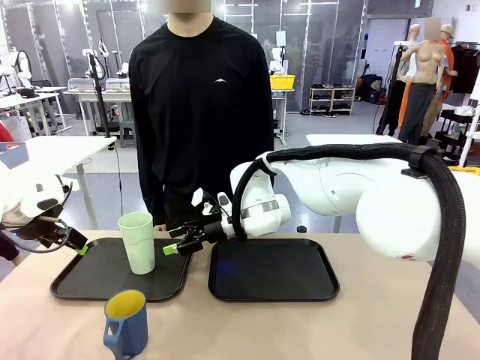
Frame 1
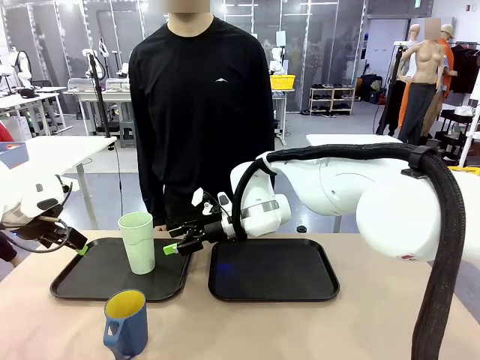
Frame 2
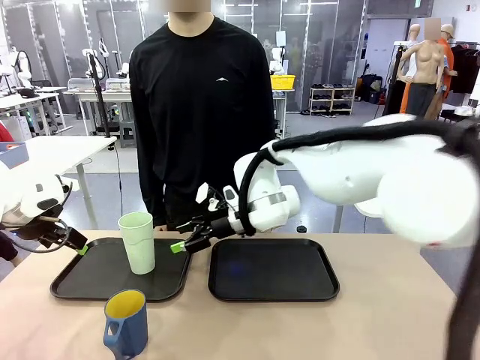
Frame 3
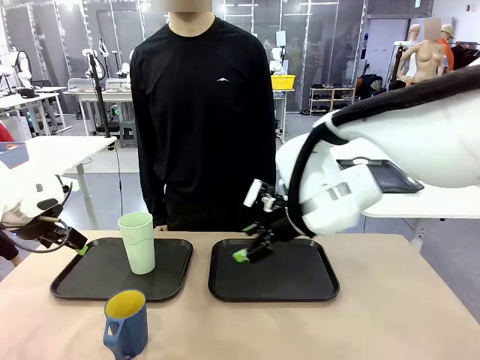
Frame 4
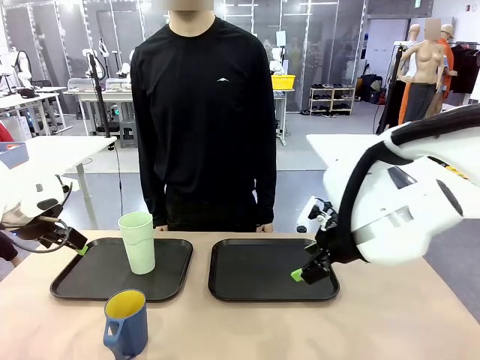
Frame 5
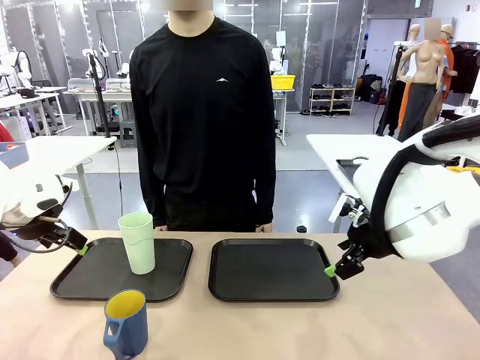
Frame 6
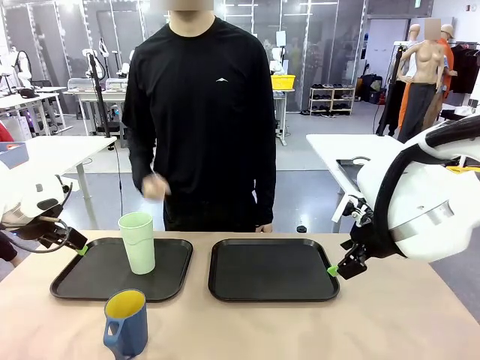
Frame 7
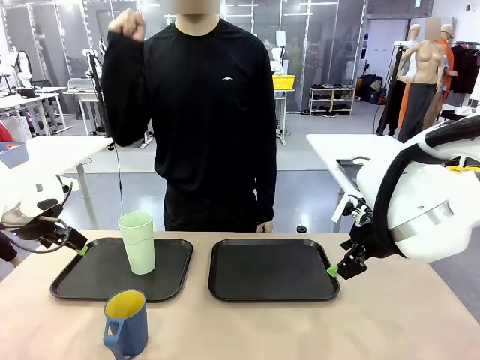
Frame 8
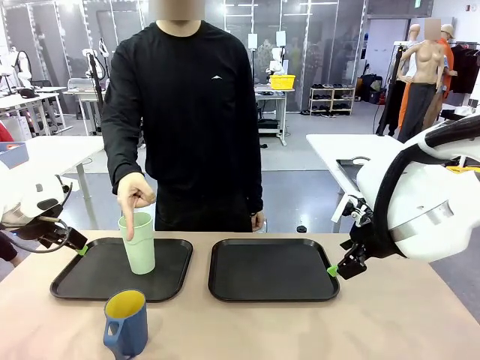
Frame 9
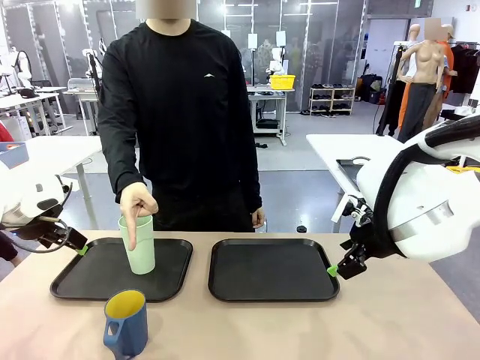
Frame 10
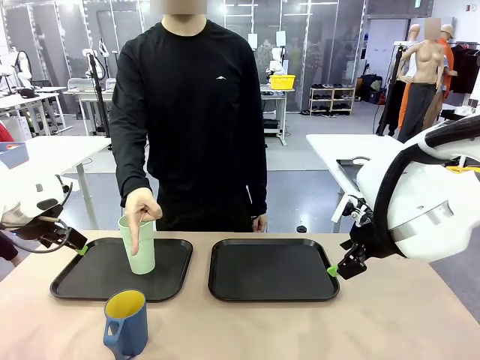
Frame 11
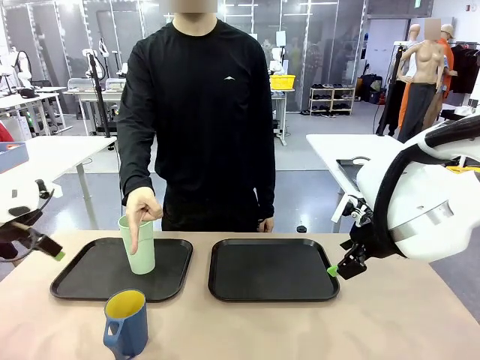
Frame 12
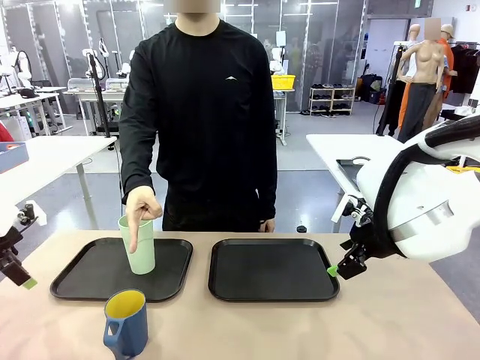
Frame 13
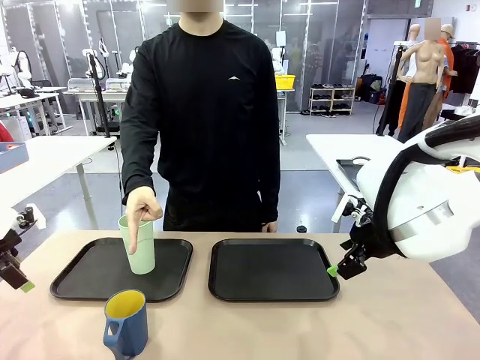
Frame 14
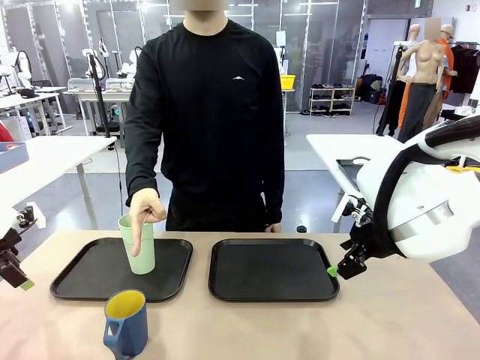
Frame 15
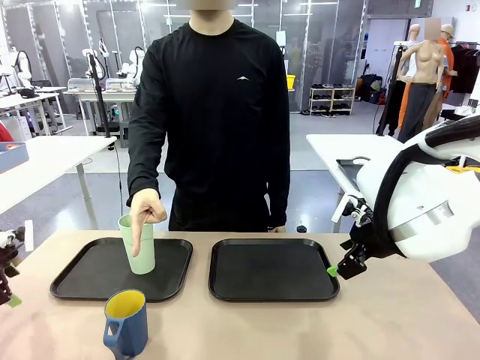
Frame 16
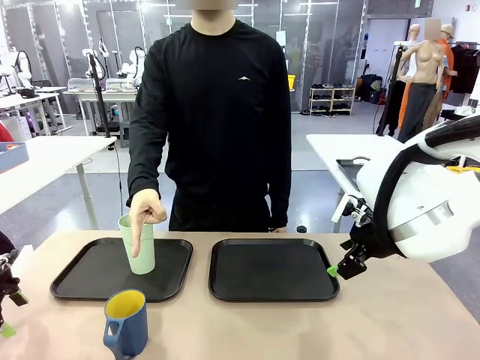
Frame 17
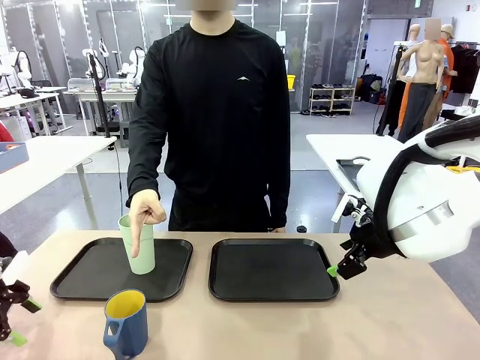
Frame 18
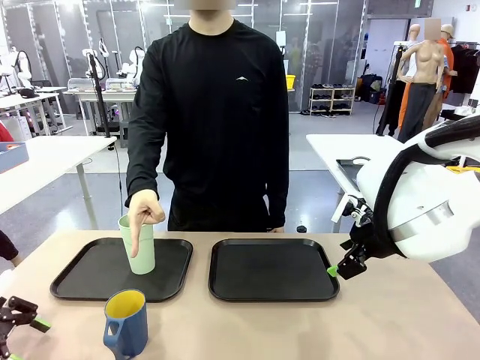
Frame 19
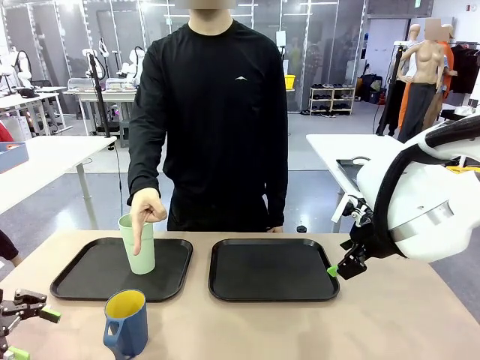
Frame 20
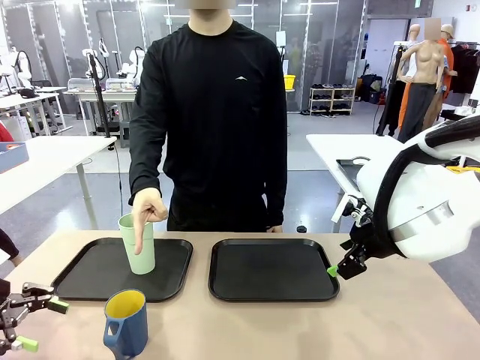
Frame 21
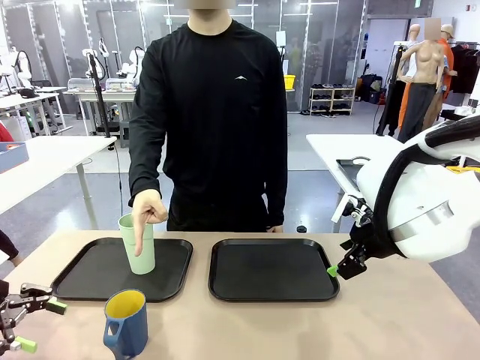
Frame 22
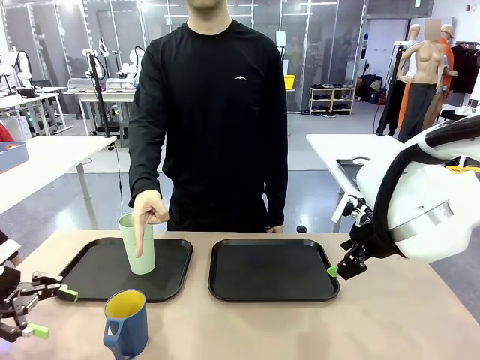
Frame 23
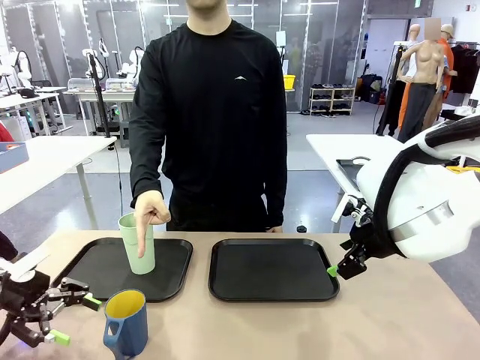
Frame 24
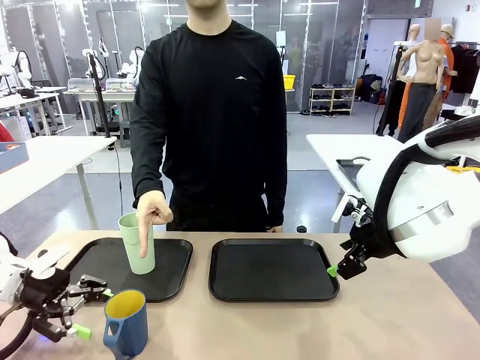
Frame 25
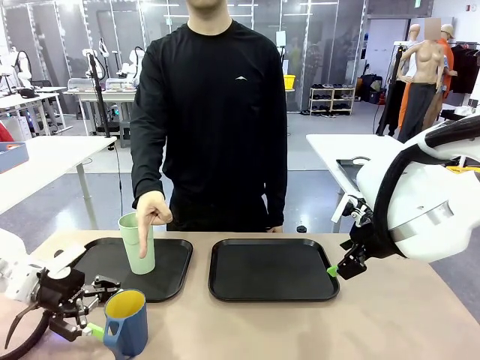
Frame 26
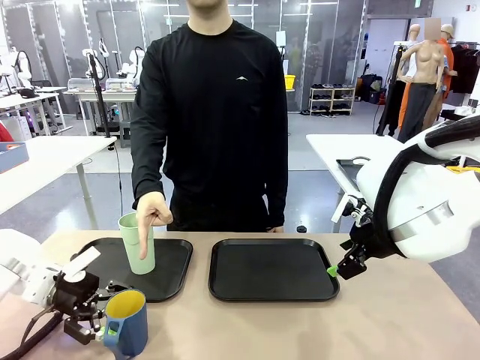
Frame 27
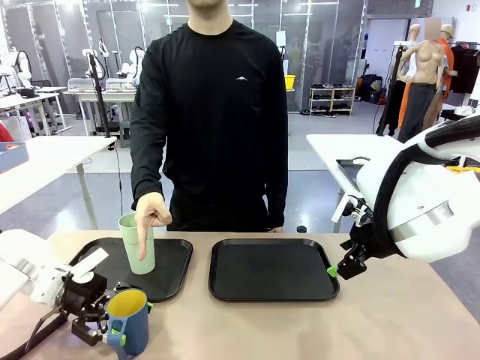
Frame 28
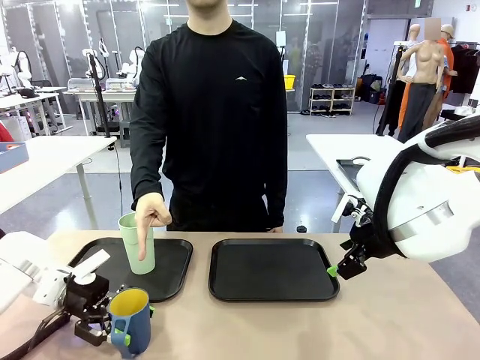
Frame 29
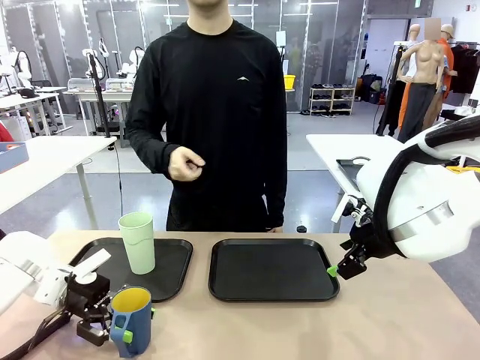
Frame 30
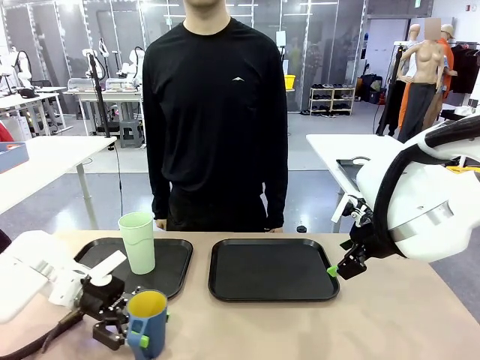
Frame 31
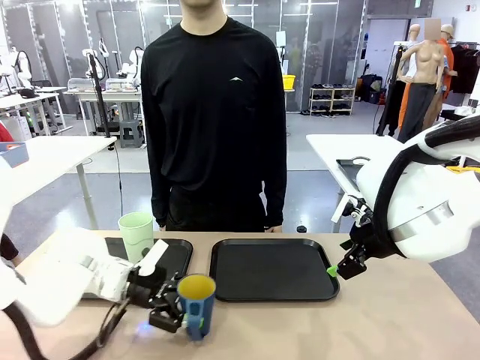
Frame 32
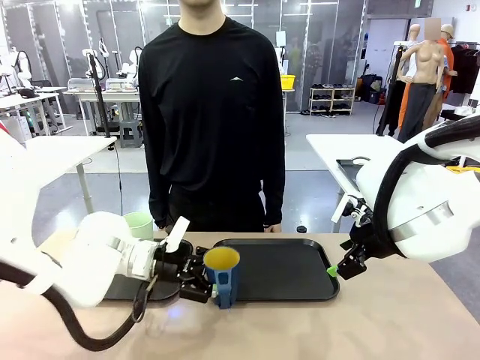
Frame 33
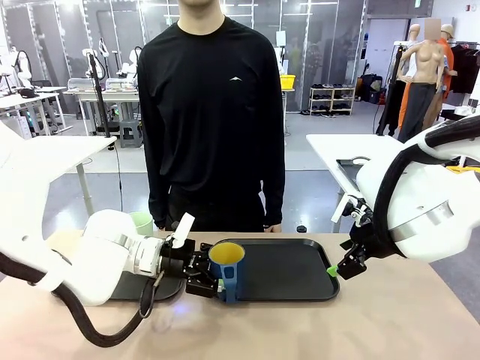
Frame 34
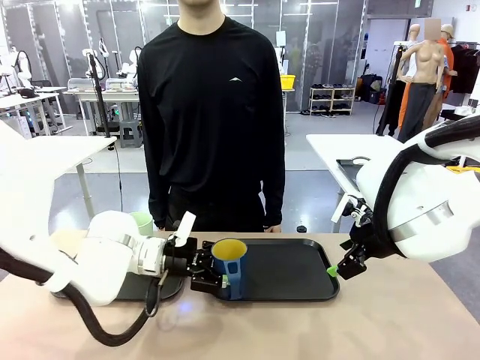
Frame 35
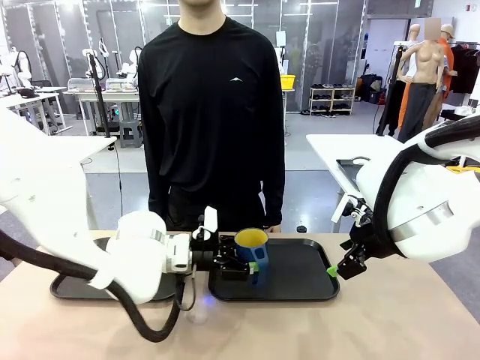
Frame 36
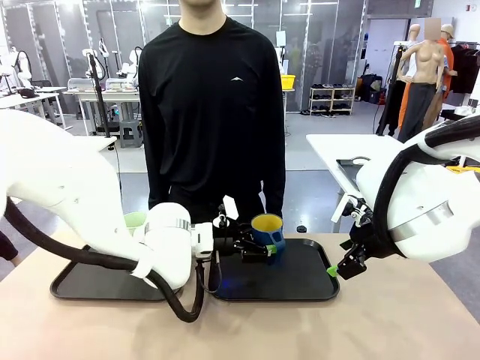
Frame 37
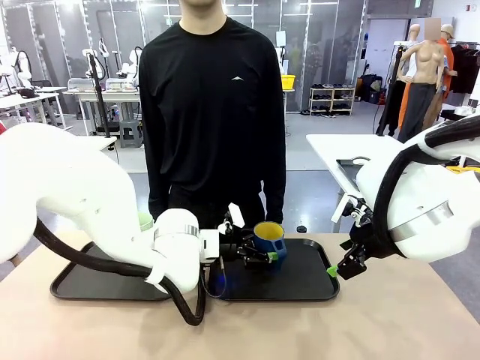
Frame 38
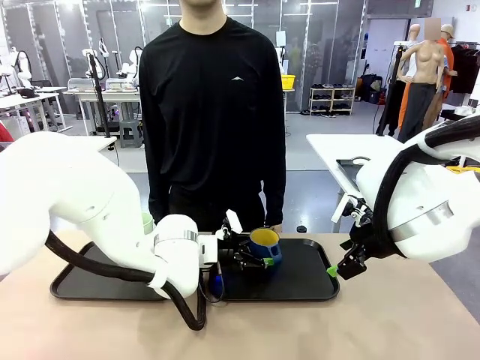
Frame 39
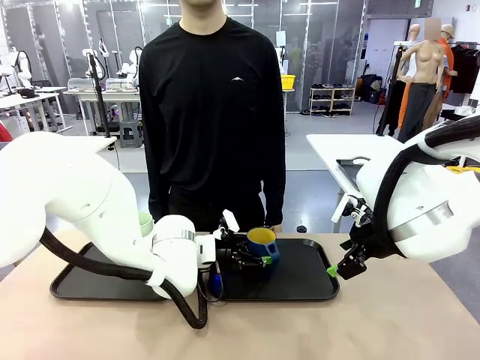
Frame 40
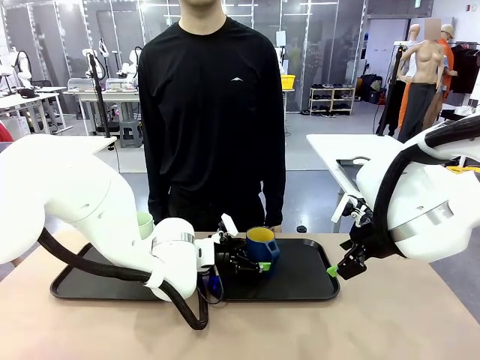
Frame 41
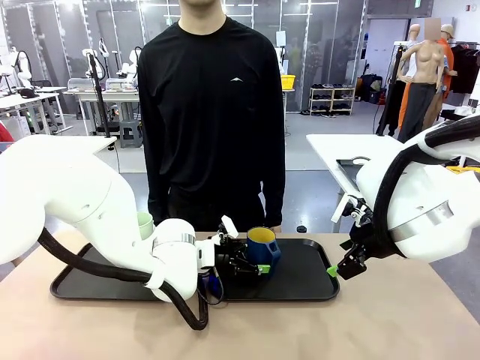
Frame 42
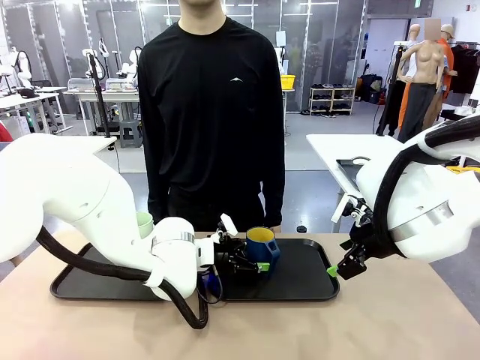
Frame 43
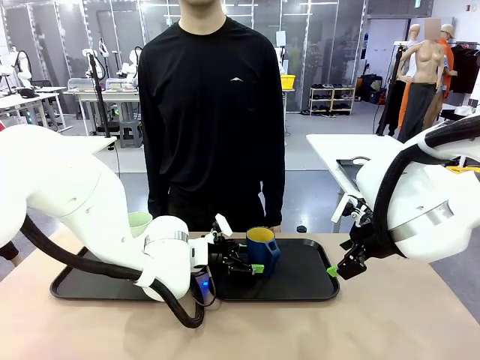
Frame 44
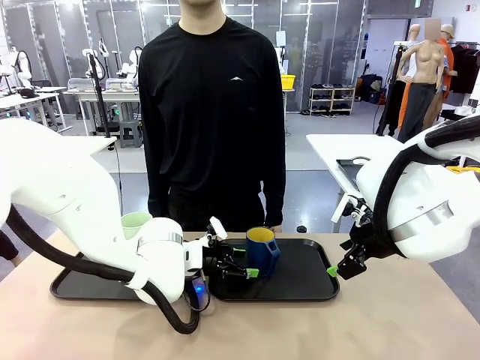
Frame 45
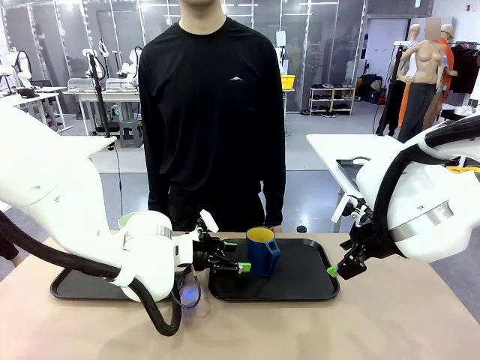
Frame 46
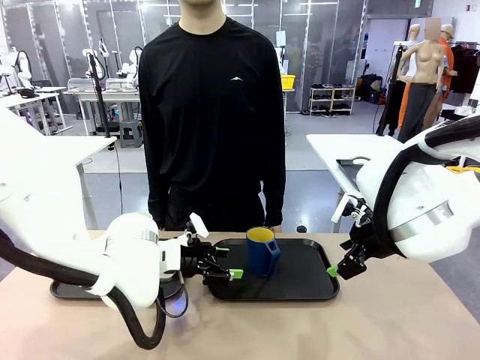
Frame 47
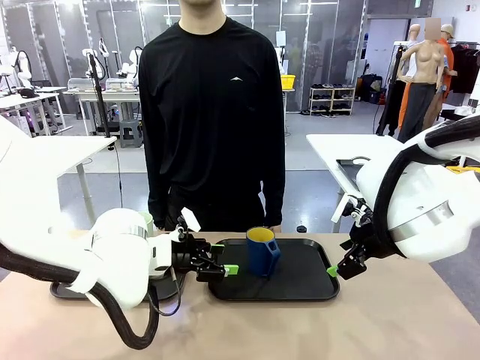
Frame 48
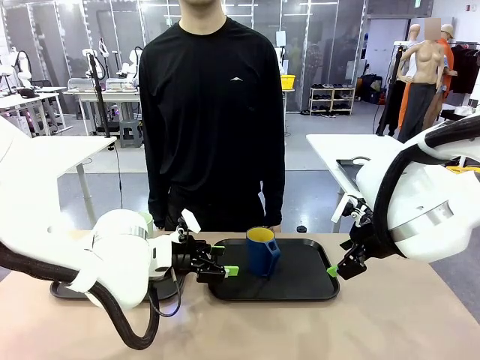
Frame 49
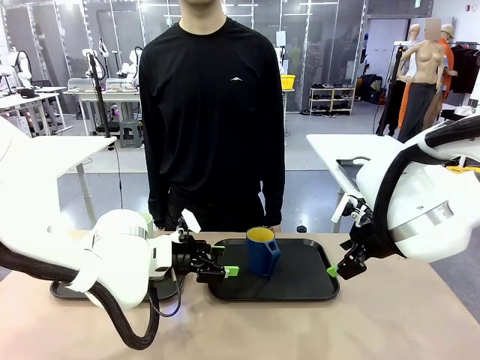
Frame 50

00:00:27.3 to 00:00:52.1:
Task: Sort and store the cups by type.
Robot: Pick up the Handle plastic cup and place it into the empty Flat Tray.
Person: Points to the cup with a handle.
